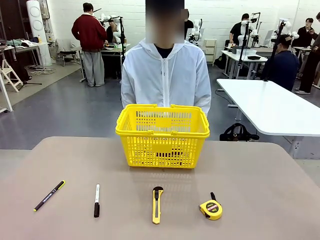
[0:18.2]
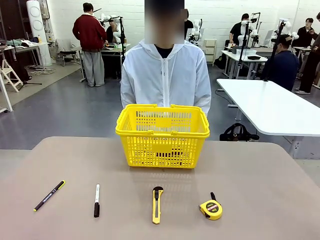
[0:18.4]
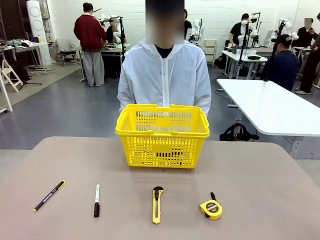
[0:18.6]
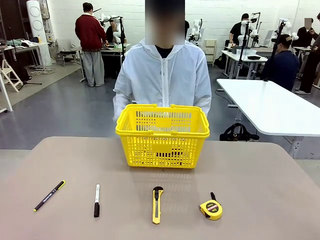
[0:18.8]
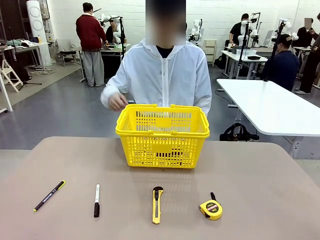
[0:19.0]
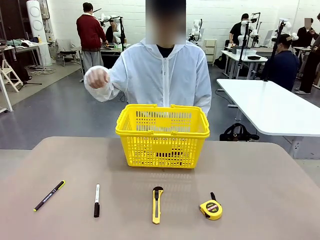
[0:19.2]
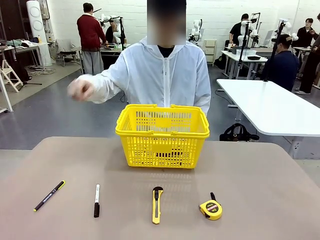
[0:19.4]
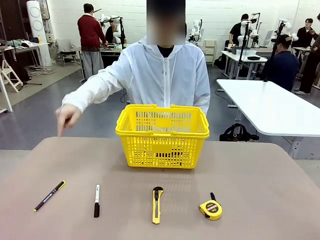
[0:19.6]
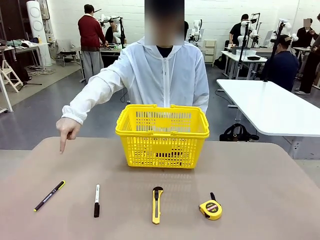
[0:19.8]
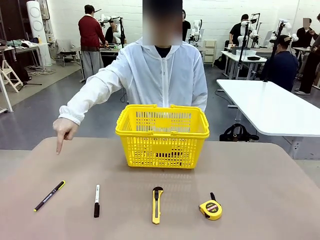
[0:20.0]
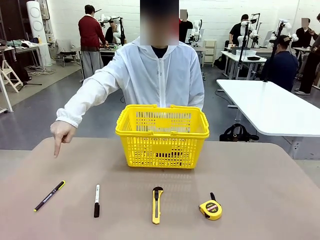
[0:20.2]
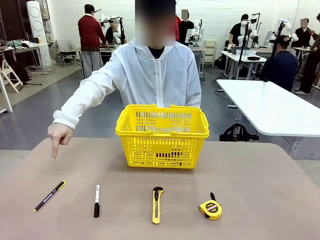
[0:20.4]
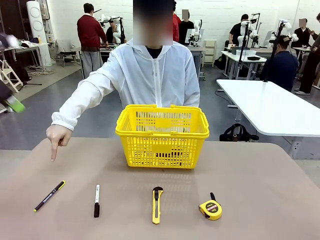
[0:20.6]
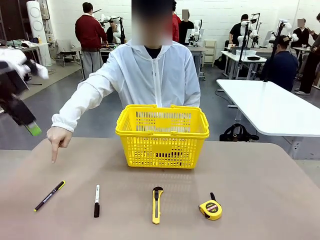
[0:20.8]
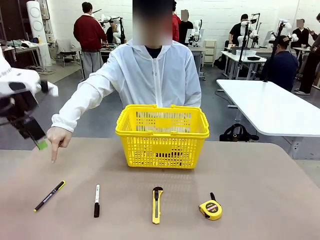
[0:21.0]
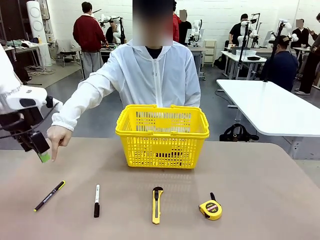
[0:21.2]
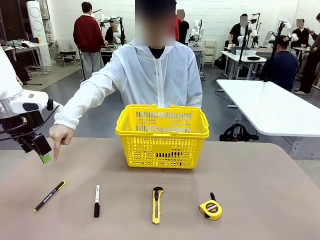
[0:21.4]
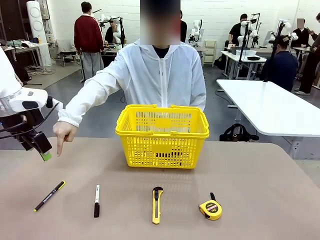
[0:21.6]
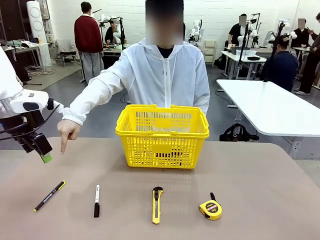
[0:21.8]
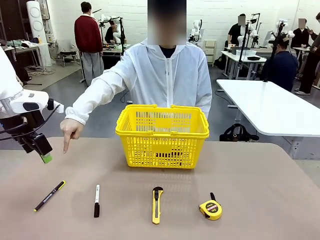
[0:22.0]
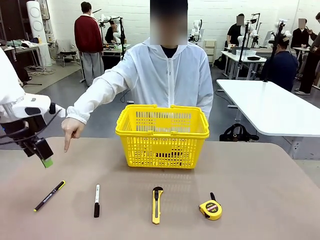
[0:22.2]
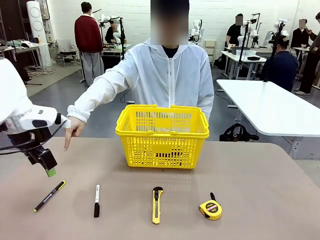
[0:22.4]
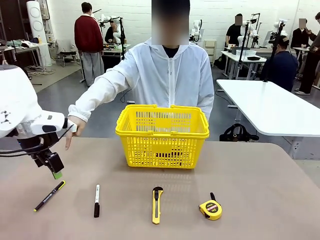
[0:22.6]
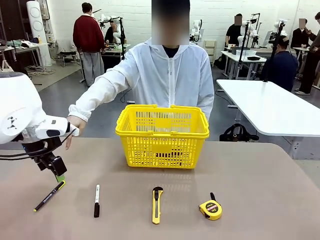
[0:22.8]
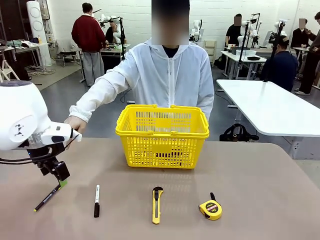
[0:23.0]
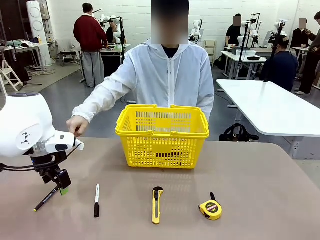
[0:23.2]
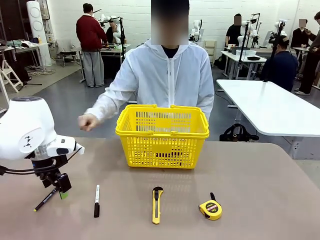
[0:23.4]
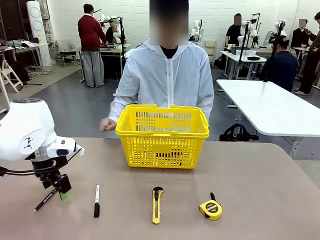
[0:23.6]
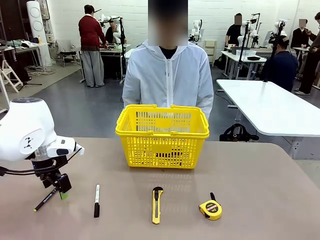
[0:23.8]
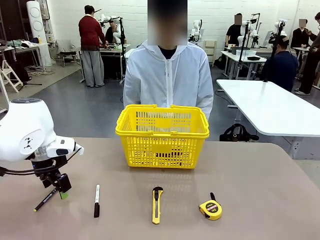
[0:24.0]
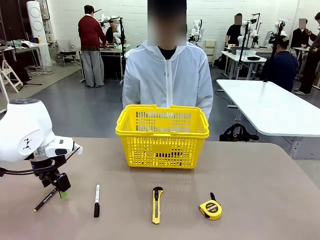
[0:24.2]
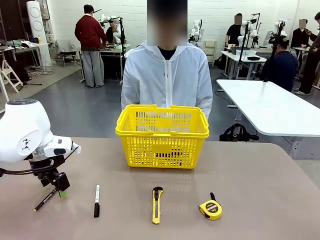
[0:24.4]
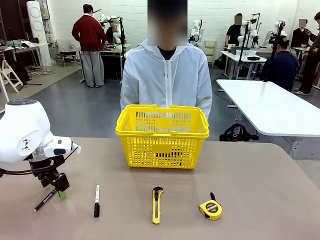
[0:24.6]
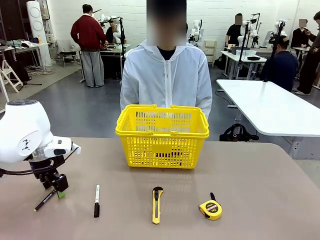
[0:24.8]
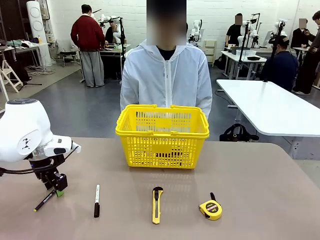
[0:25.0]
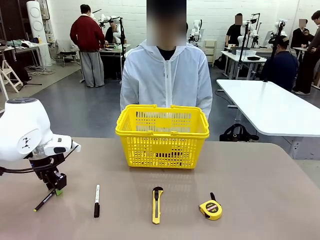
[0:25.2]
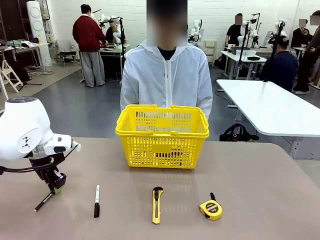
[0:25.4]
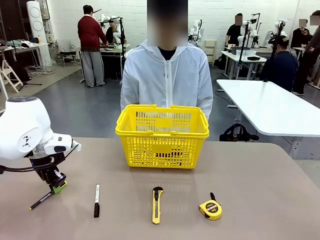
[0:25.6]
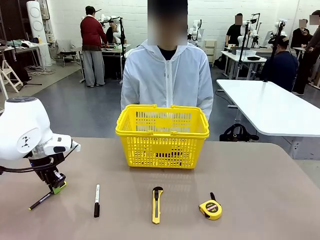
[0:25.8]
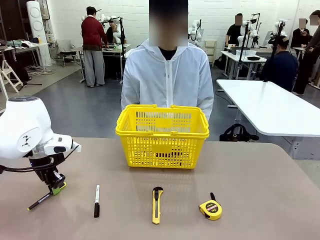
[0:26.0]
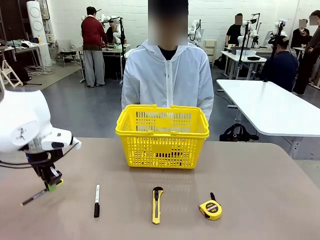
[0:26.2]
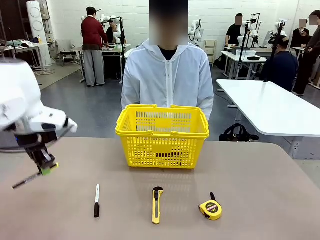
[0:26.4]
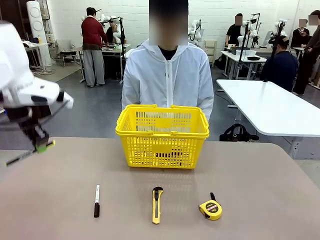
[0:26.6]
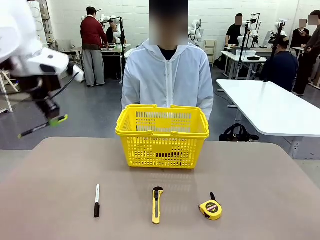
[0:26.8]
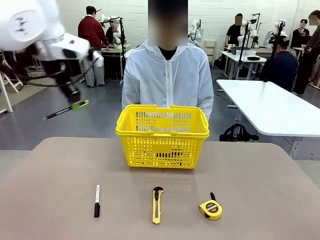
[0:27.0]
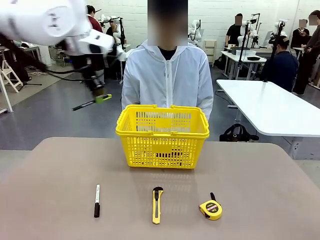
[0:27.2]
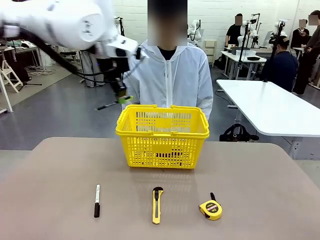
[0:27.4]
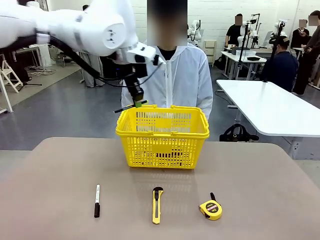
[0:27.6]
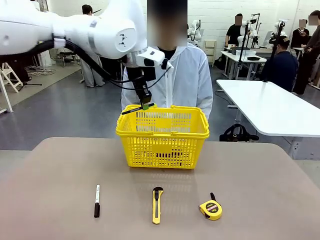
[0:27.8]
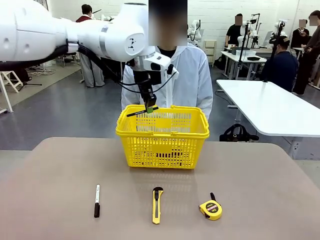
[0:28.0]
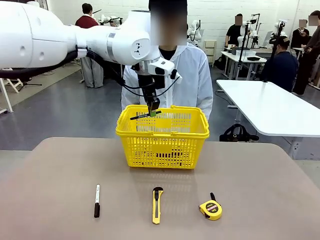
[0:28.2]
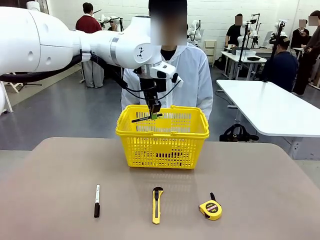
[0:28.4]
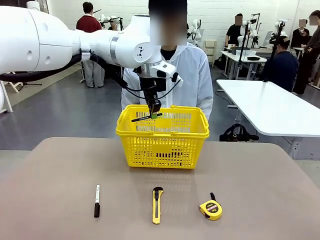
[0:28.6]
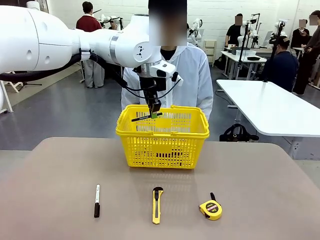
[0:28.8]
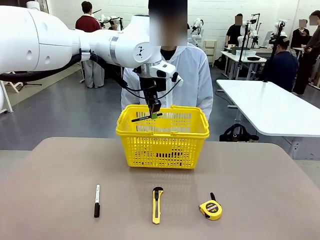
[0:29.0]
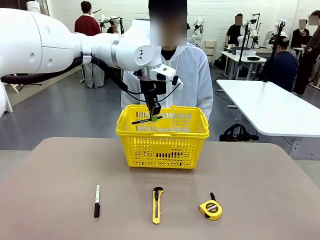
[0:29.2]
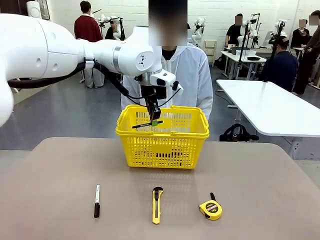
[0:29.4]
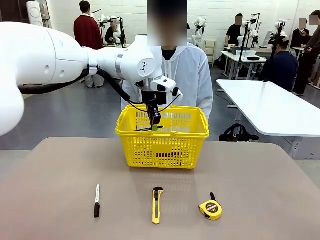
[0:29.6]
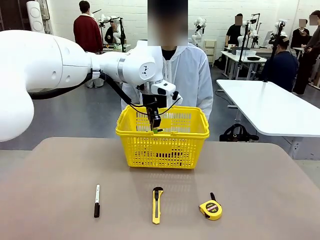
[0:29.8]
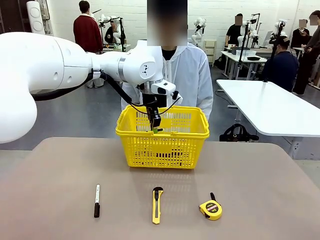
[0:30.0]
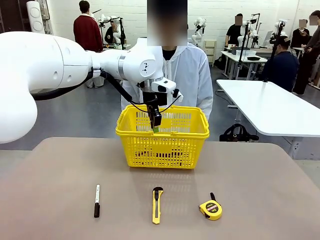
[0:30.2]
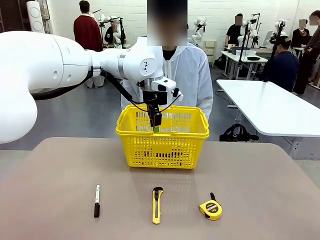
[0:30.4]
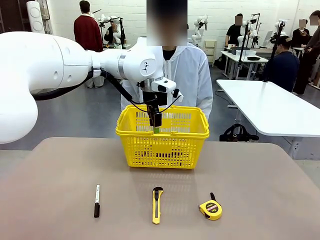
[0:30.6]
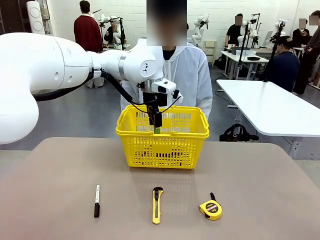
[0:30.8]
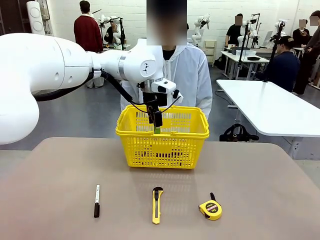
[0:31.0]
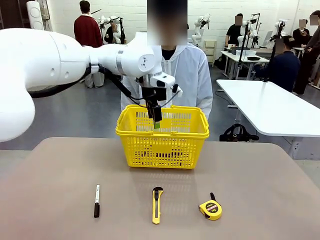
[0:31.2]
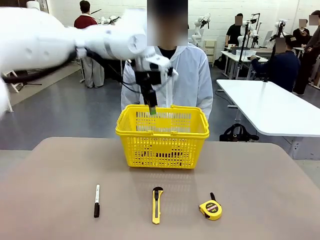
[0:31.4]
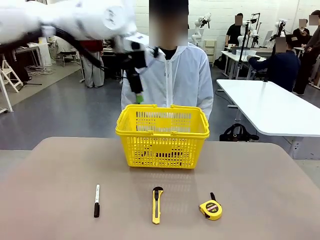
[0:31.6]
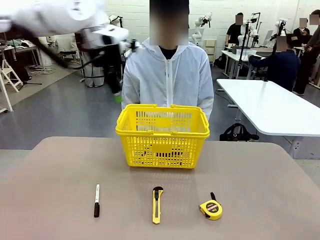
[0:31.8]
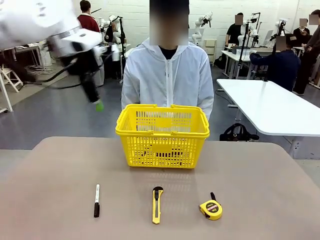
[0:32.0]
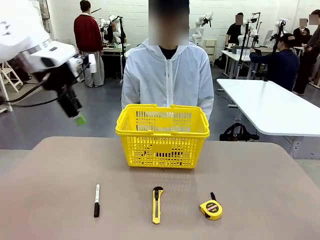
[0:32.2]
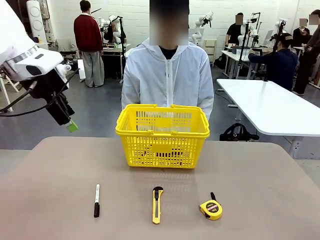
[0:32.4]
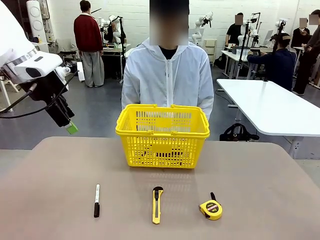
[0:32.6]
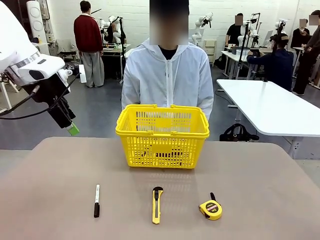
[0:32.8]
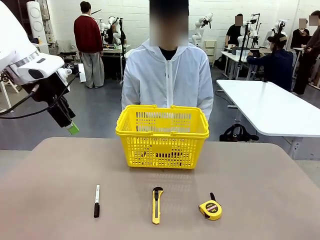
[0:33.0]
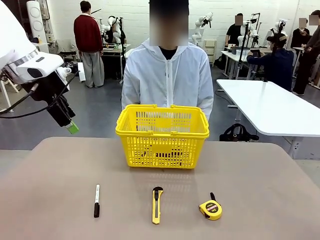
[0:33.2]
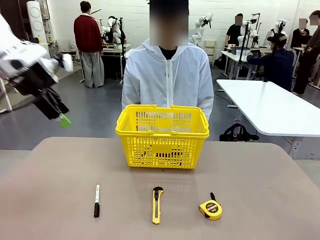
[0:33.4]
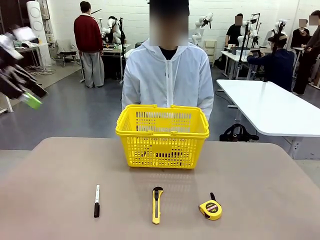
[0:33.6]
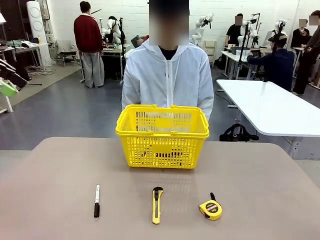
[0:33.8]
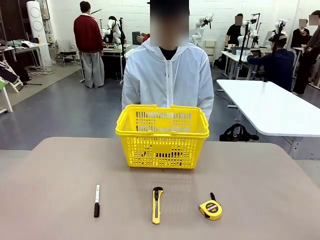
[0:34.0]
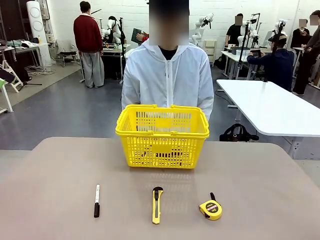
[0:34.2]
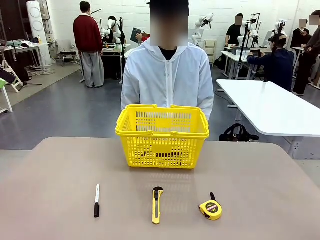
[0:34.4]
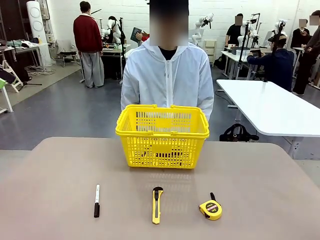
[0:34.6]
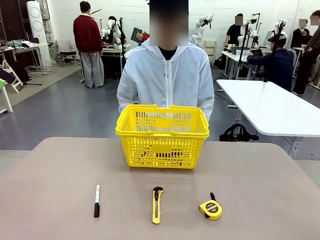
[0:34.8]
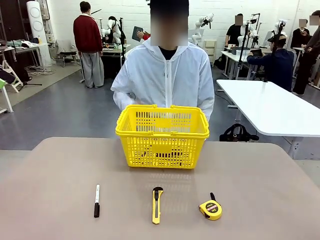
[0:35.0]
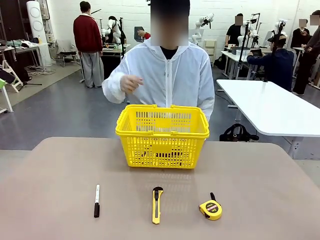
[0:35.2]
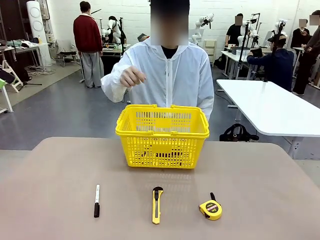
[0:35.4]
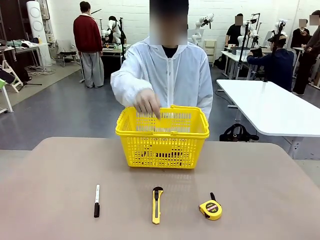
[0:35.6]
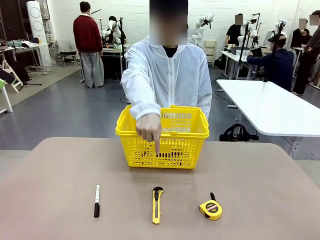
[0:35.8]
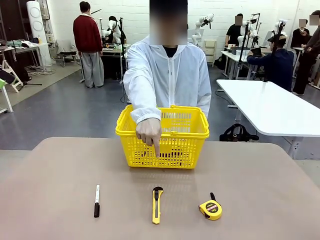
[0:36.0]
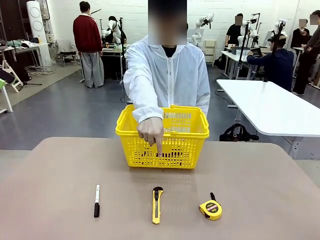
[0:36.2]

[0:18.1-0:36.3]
Task: Place the items the person wants into the basket.
Robot: Pick up the item the person points to and place it in the Market Basket.
